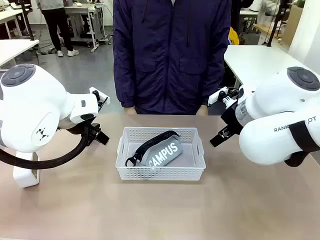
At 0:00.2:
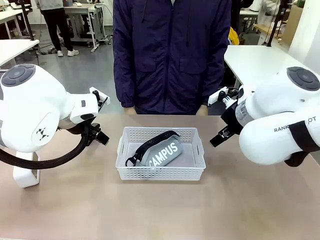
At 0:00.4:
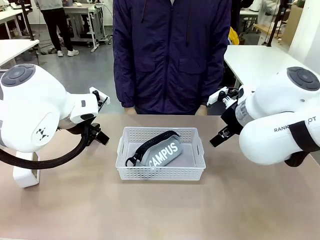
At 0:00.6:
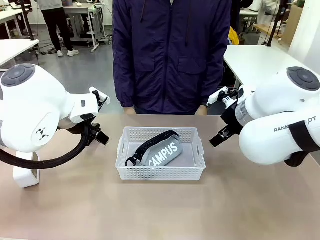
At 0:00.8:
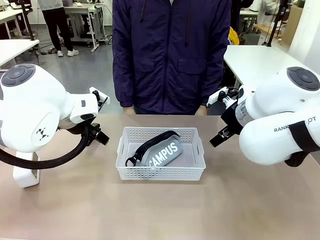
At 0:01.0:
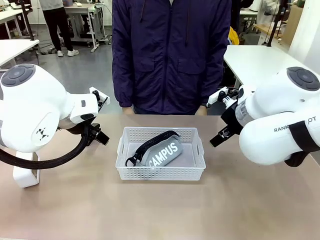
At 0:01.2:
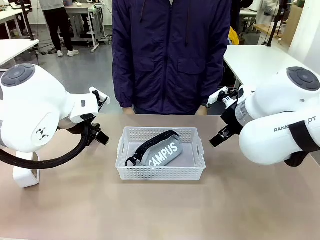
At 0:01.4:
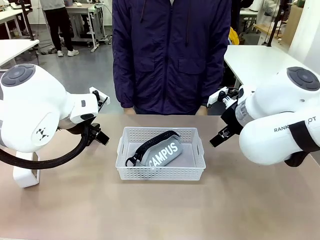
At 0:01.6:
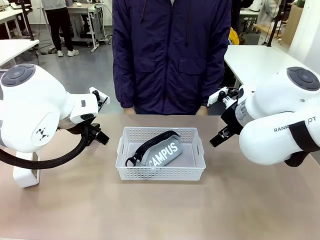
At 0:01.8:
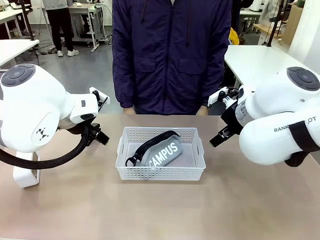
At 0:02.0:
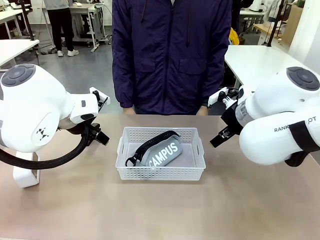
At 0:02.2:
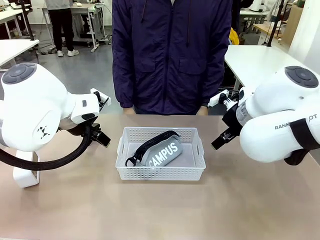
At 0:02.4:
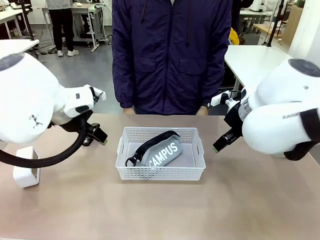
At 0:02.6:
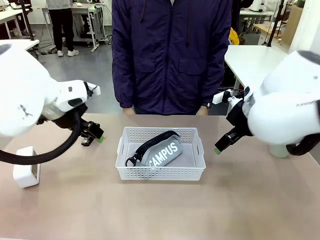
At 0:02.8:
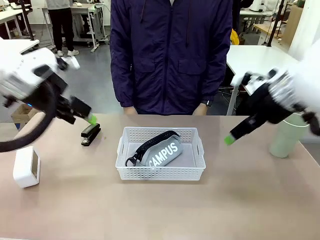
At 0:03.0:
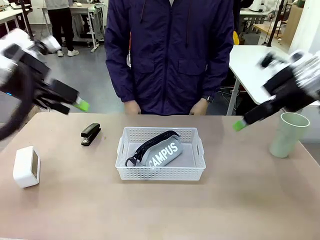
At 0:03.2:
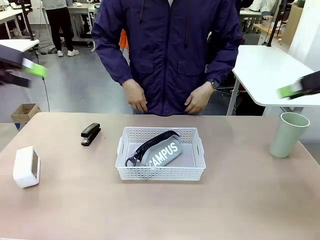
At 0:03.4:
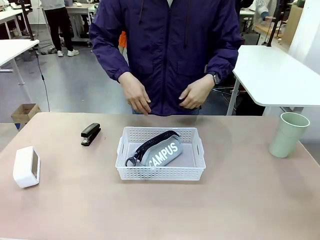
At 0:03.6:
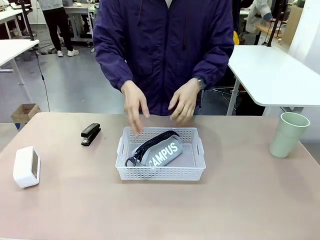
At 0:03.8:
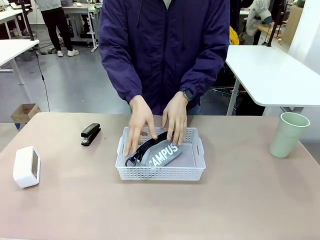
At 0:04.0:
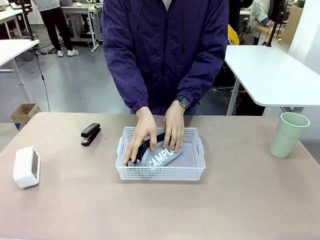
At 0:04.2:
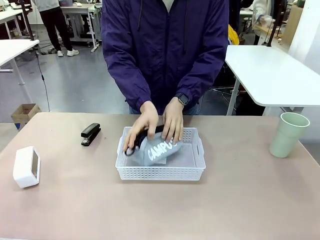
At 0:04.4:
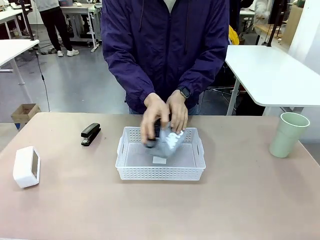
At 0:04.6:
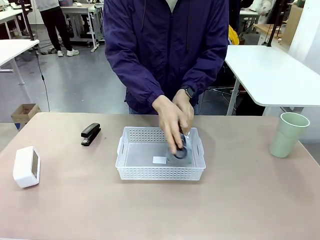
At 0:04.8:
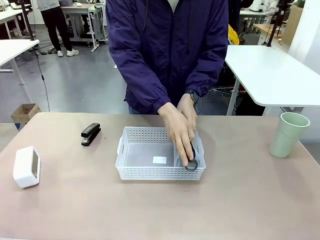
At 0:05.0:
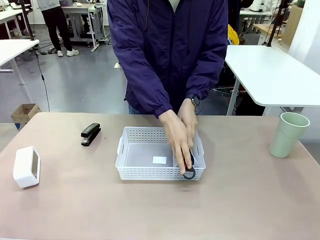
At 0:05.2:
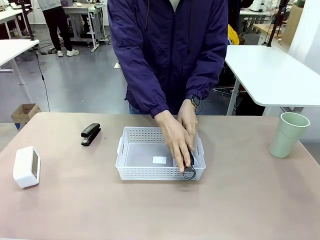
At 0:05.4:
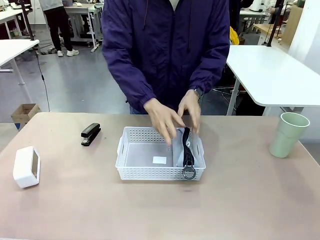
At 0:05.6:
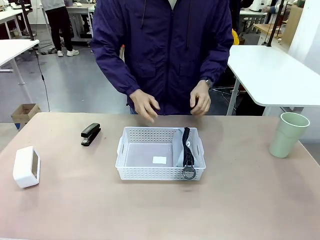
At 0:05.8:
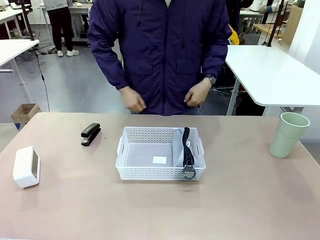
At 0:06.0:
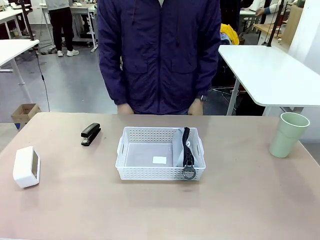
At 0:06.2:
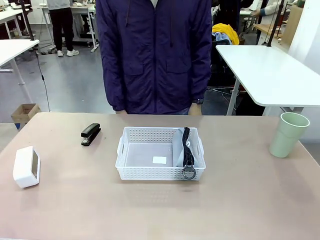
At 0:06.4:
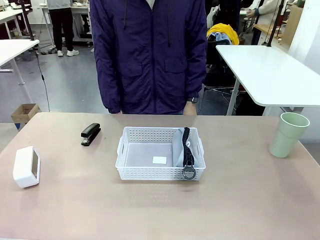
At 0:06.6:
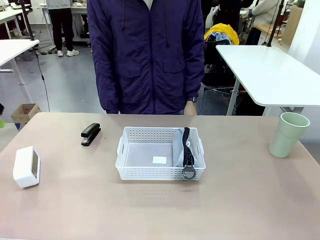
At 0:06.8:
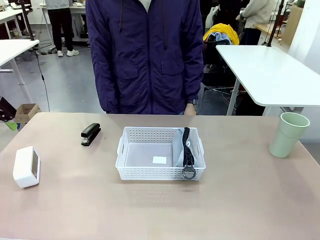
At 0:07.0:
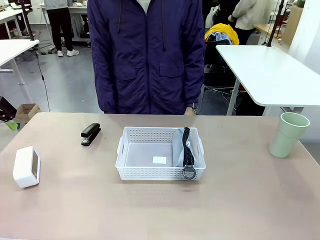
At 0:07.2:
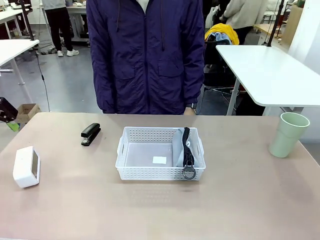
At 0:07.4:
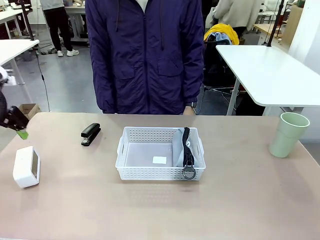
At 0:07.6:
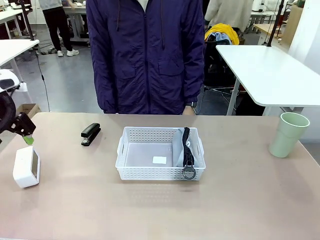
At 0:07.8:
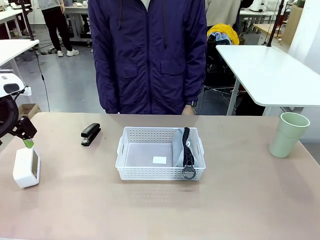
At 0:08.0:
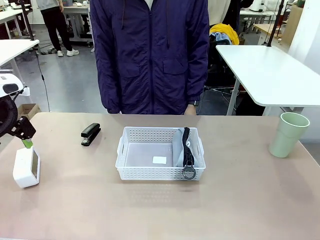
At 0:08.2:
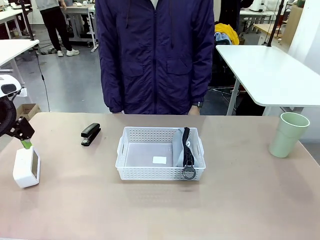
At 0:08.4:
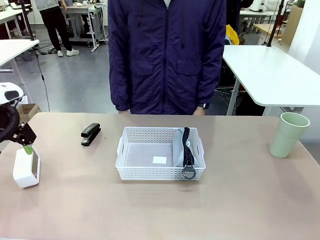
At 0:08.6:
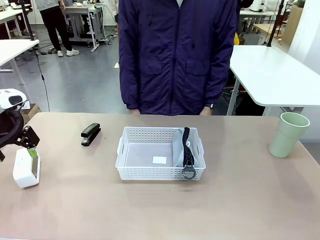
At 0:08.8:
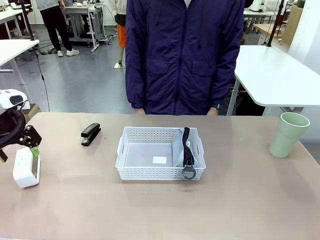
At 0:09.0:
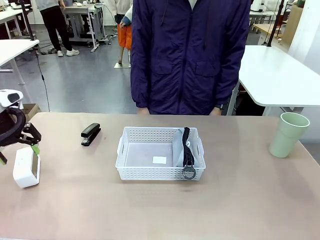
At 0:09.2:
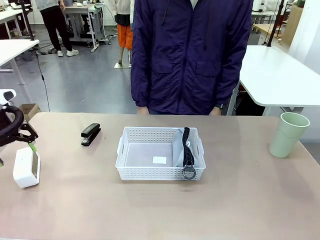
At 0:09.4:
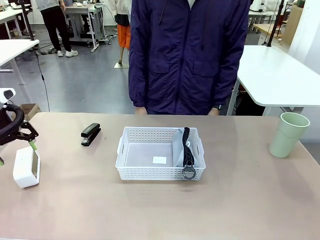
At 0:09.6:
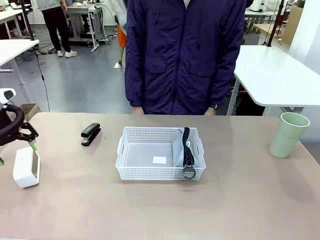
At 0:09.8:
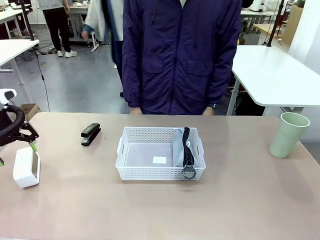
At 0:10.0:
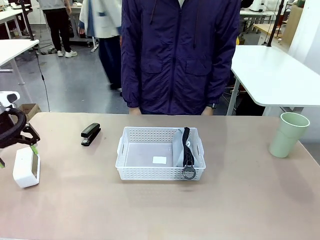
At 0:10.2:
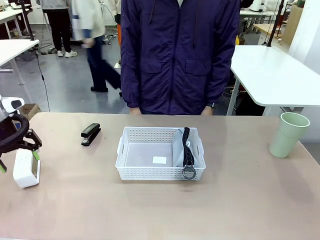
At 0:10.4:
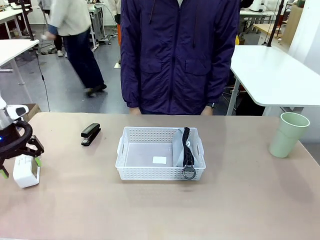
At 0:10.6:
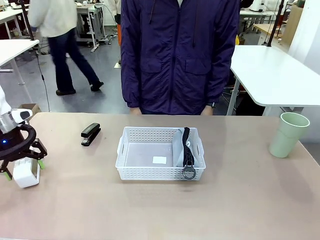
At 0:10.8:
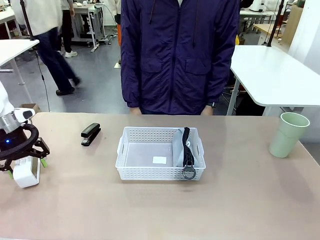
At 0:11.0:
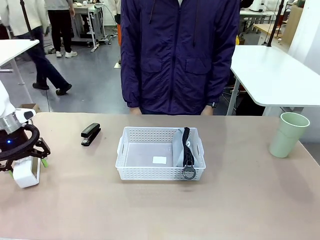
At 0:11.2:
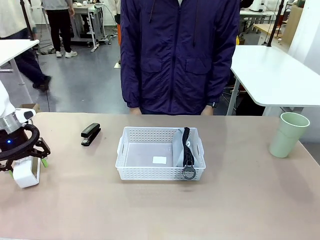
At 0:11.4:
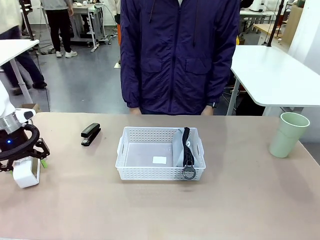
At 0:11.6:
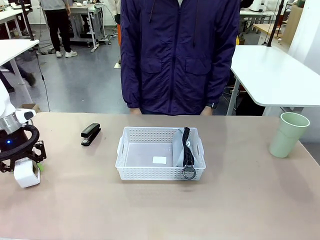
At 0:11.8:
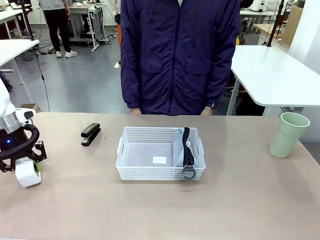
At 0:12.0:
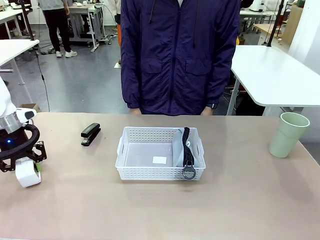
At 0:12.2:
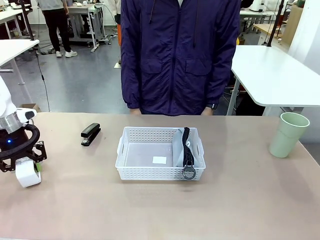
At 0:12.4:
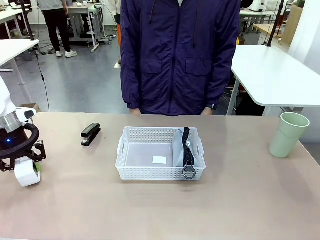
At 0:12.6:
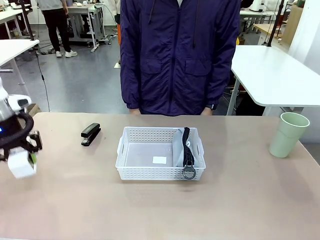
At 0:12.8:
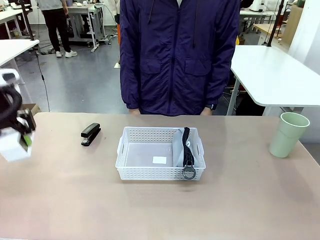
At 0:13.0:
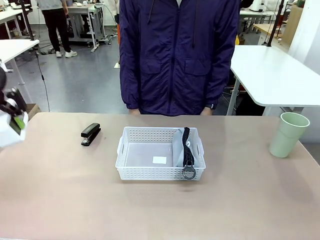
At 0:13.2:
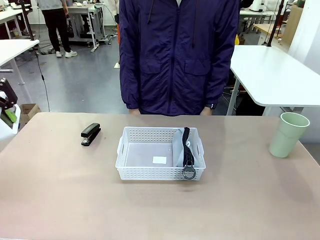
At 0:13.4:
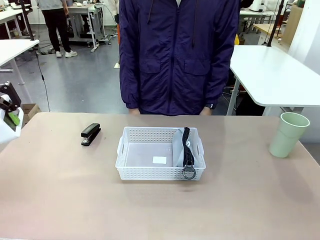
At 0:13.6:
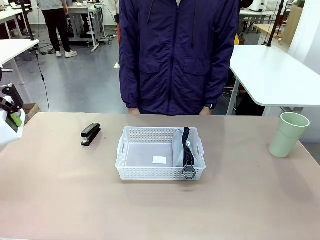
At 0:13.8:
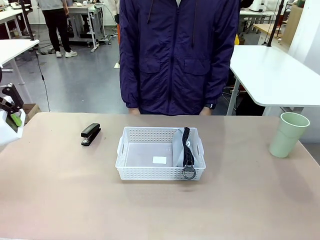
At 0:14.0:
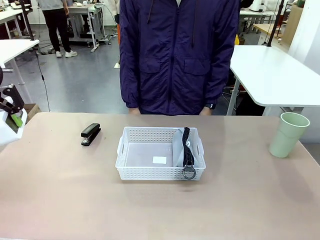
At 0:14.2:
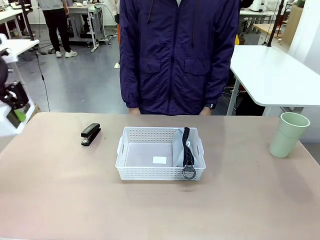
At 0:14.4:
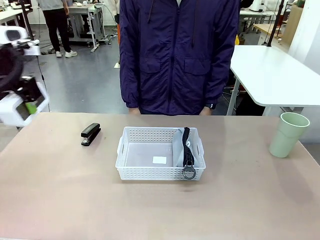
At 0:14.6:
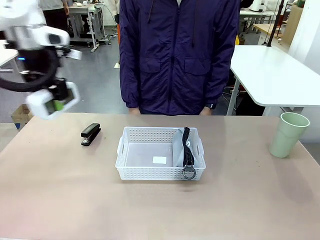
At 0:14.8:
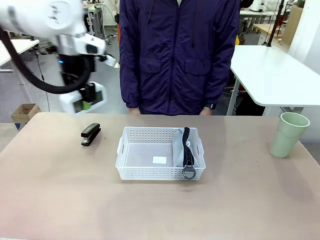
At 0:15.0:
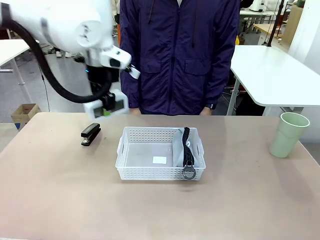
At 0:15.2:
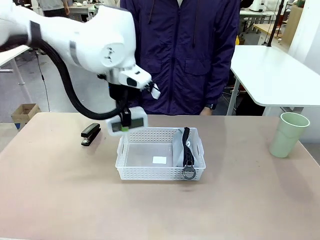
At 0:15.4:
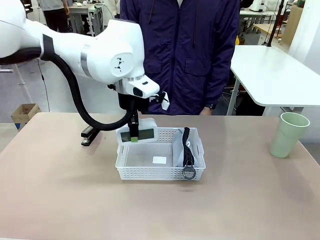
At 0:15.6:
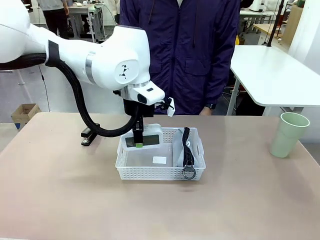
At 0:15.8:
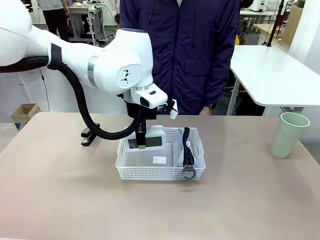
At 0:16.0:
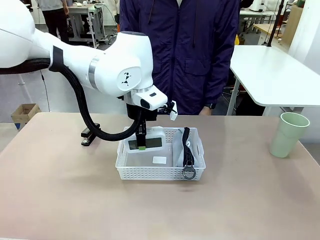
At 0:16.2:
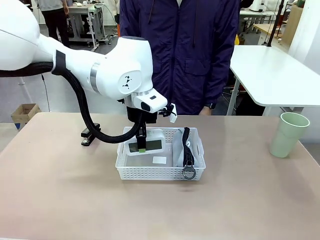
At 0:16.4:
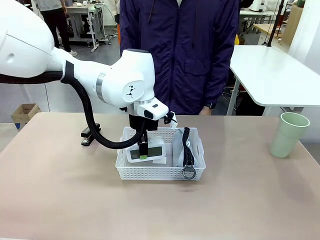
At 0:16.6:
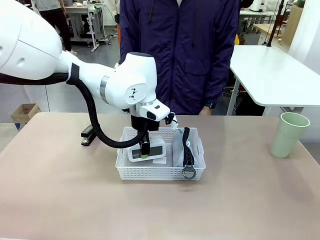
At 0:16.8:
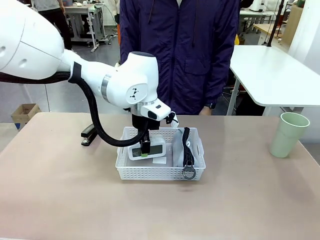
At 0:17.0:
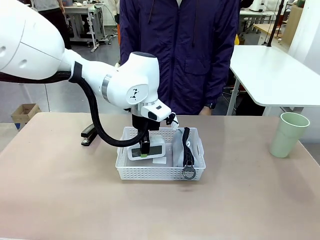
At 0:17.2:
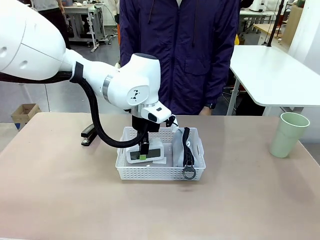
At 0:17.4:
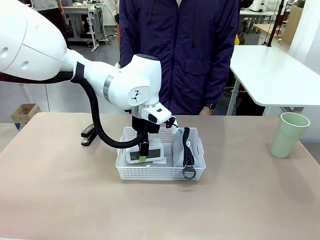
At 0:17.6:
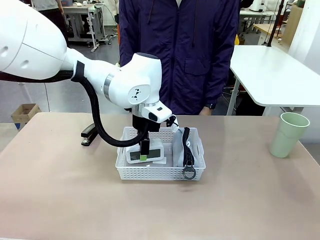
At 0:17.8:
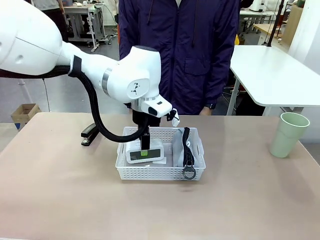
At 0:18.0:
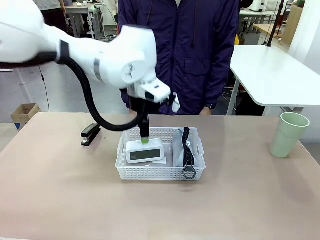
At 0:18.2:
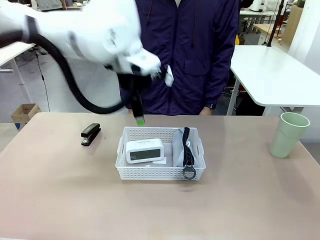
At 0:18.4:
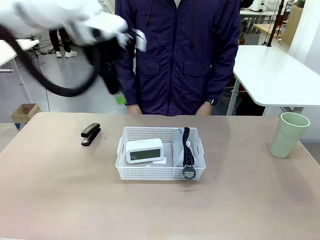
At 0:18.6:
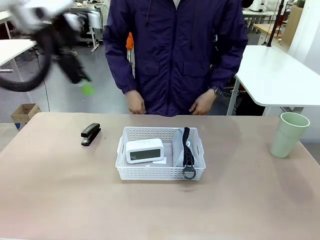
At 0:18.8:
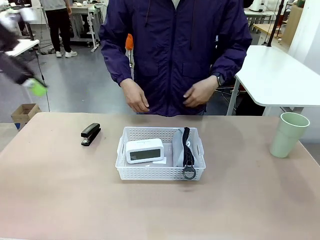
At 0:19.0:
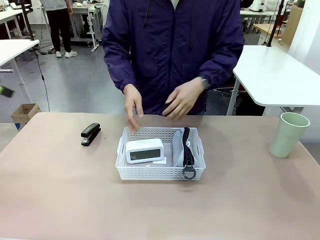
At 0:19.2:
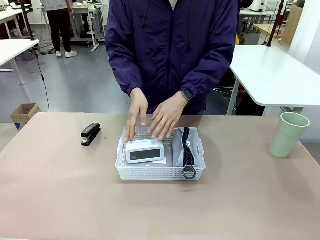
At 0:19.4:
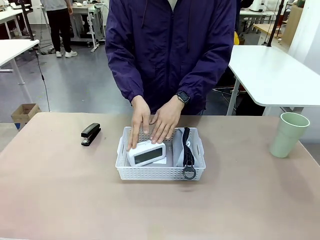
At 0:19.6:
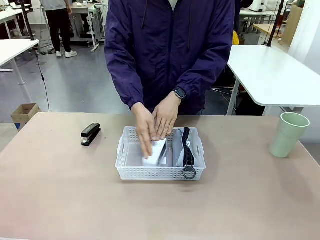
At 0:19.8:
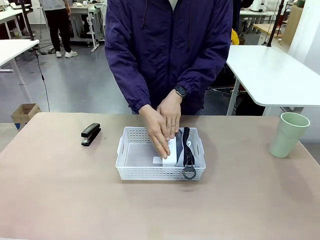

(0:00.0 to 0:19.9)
Task: Efficiently arrange items inside the basket to fit them all.
Robot: Pick up the Digital clock and place it inside the Organizing basket.
Person: Repositions the pencil case. Repositions the digital clock.
